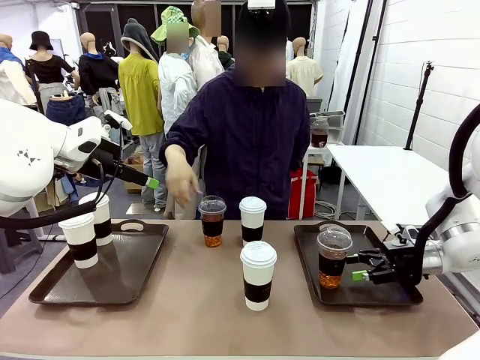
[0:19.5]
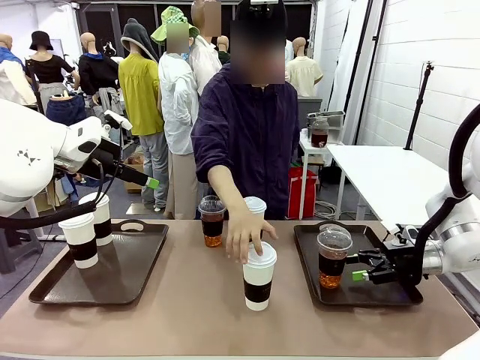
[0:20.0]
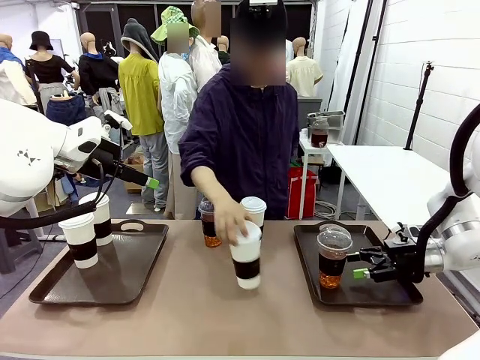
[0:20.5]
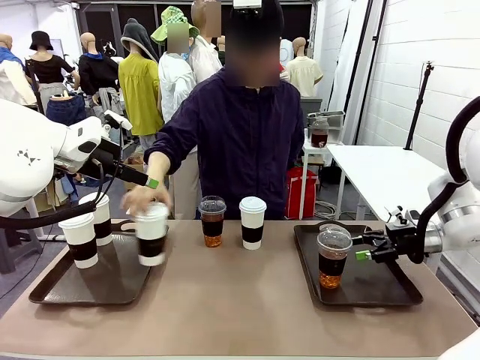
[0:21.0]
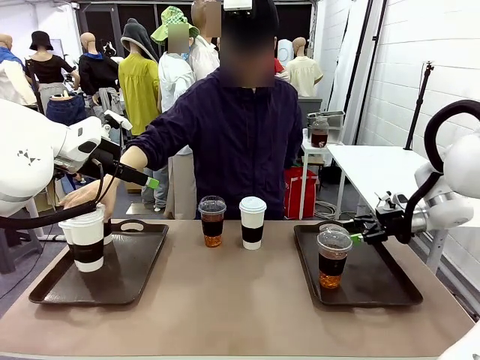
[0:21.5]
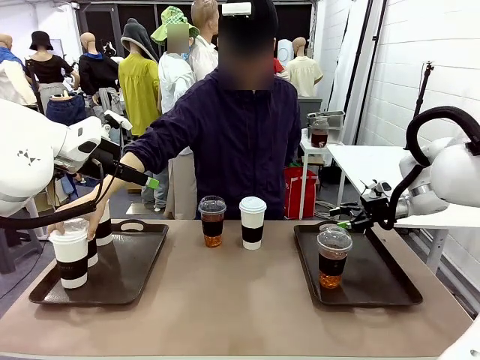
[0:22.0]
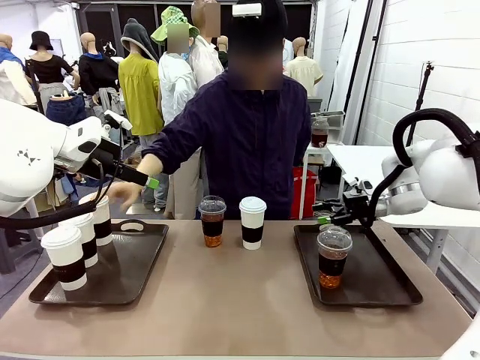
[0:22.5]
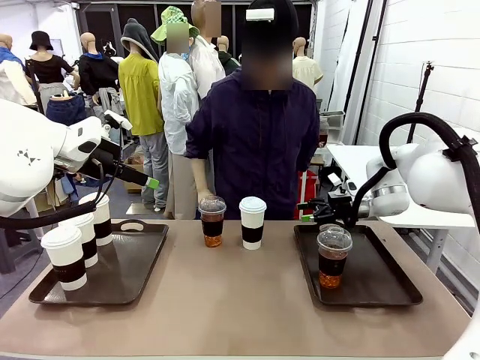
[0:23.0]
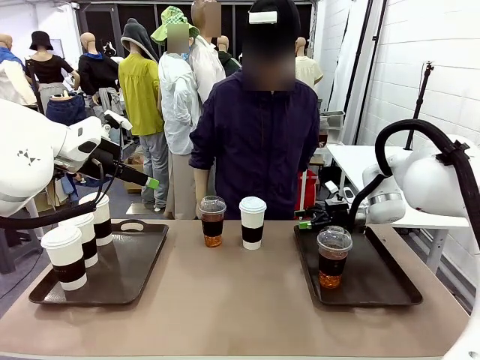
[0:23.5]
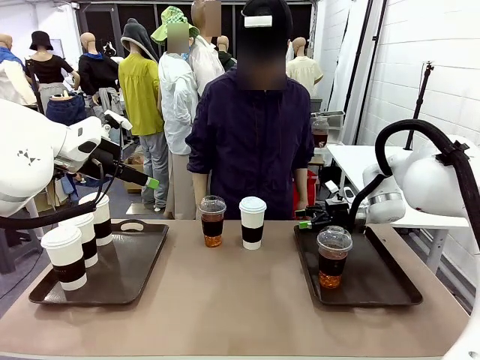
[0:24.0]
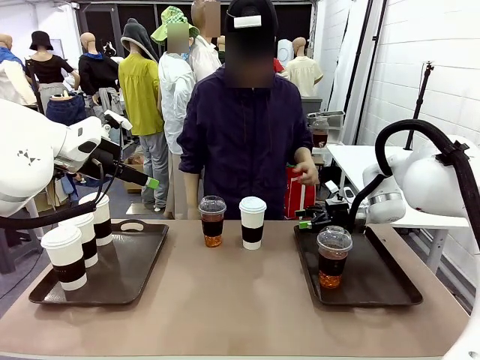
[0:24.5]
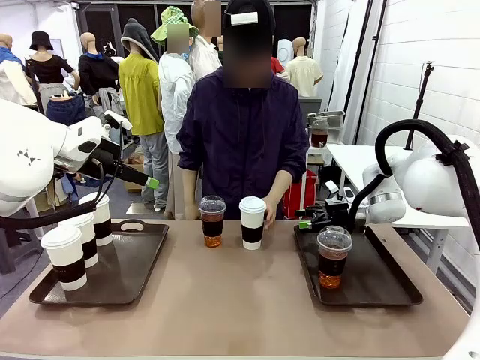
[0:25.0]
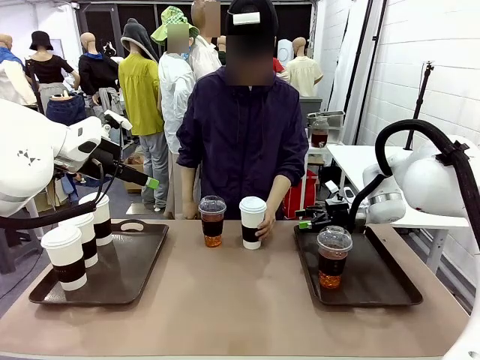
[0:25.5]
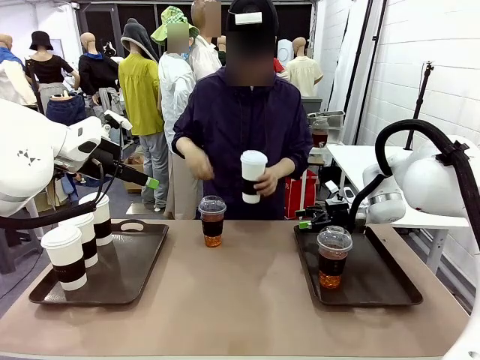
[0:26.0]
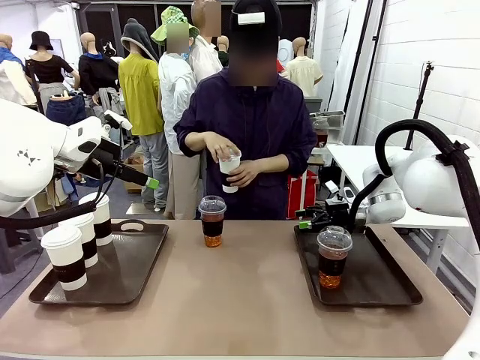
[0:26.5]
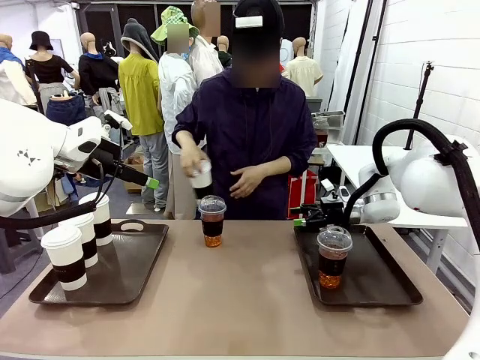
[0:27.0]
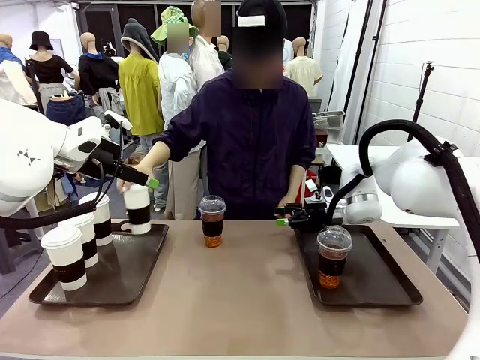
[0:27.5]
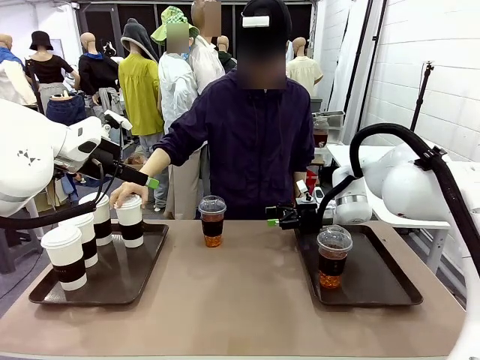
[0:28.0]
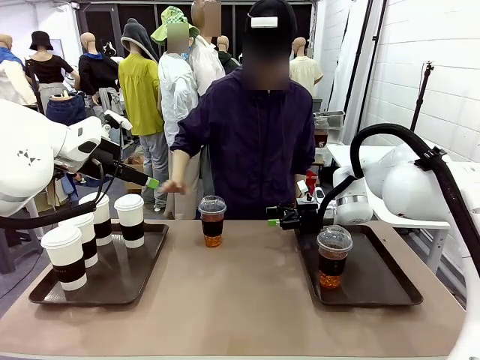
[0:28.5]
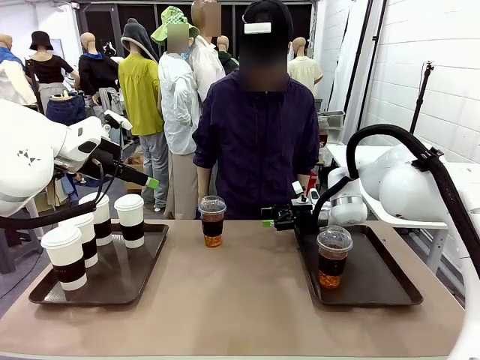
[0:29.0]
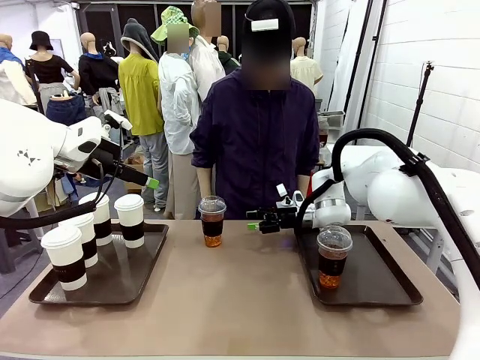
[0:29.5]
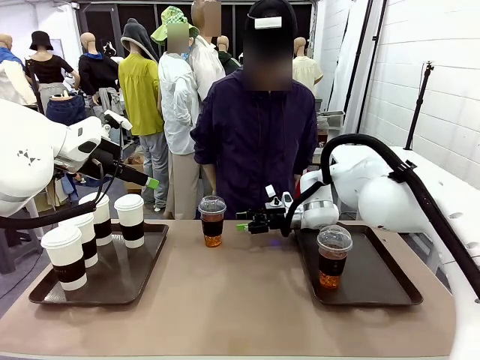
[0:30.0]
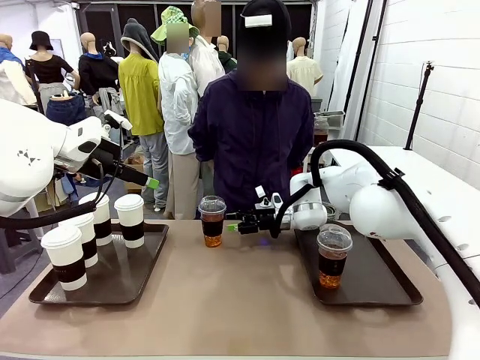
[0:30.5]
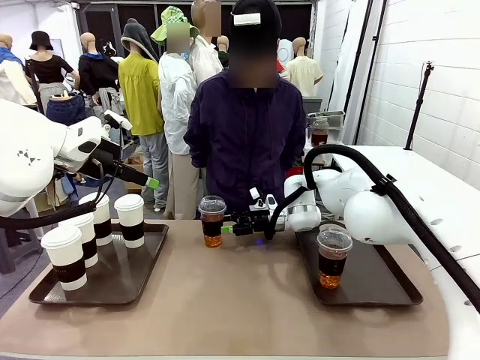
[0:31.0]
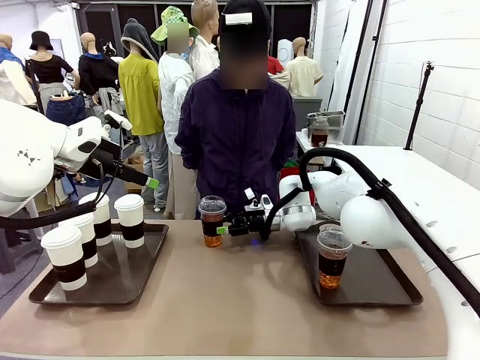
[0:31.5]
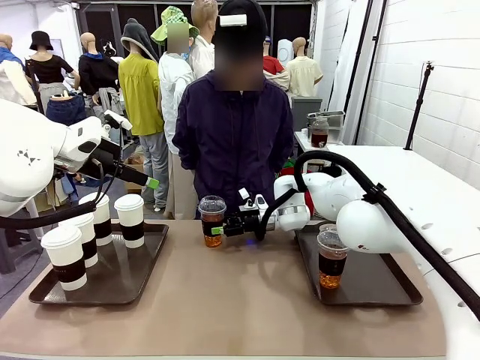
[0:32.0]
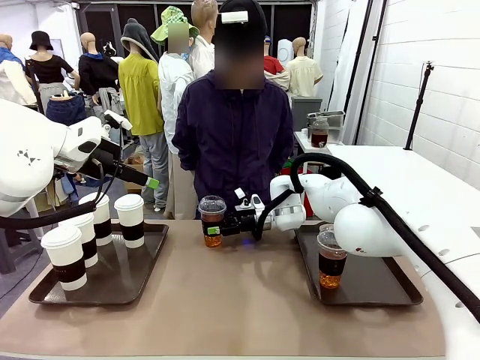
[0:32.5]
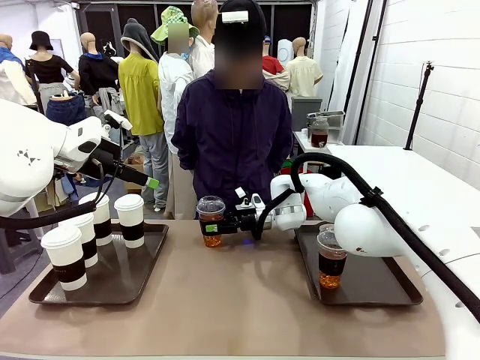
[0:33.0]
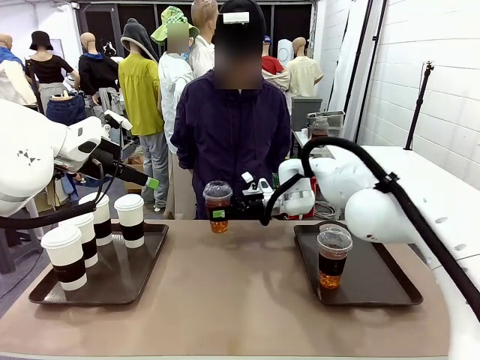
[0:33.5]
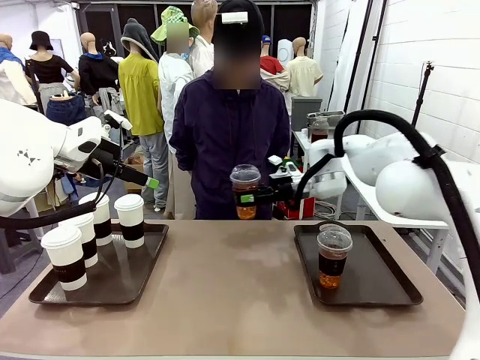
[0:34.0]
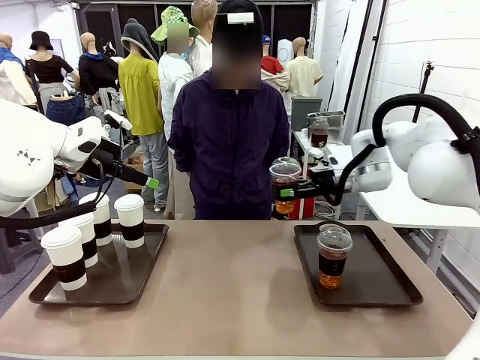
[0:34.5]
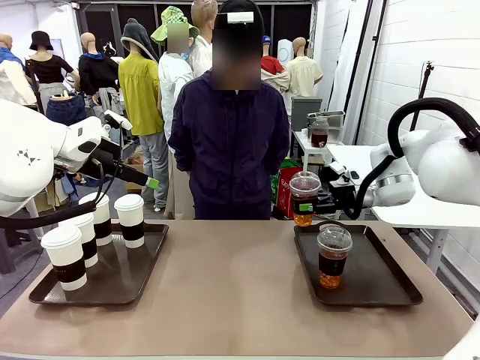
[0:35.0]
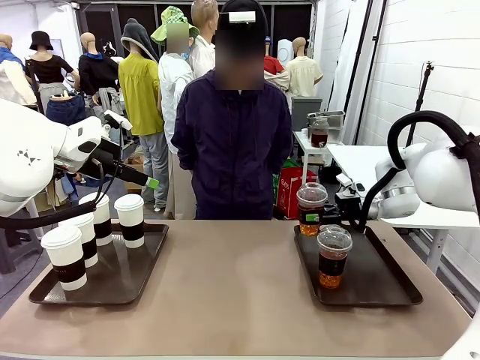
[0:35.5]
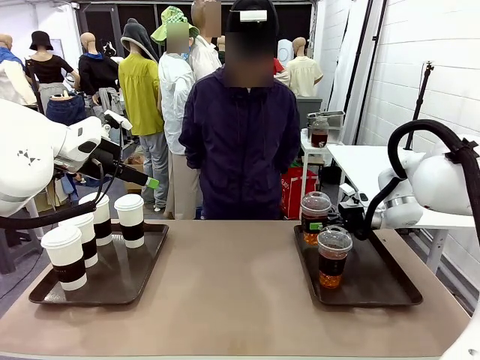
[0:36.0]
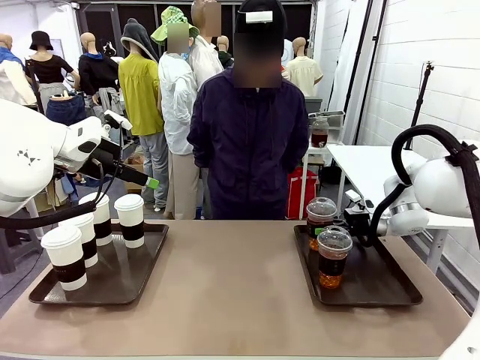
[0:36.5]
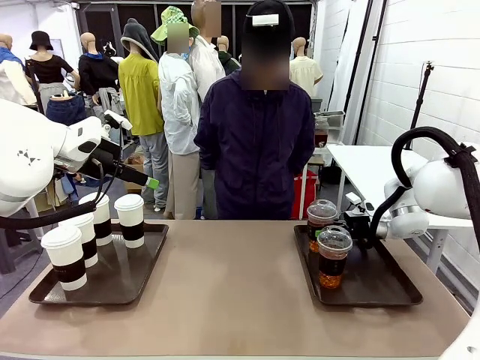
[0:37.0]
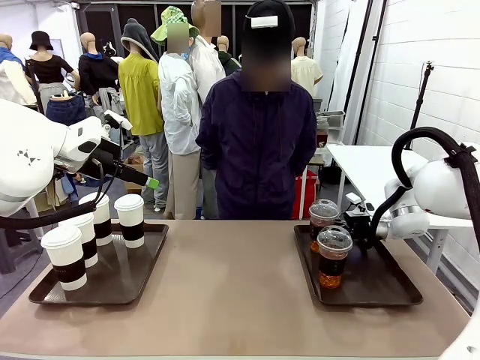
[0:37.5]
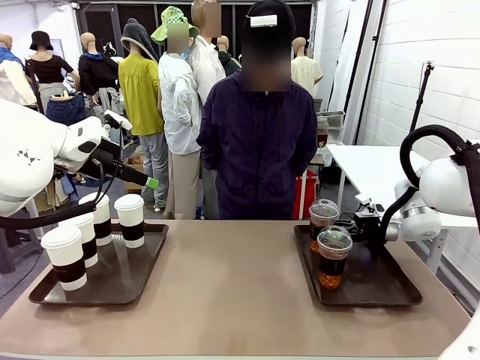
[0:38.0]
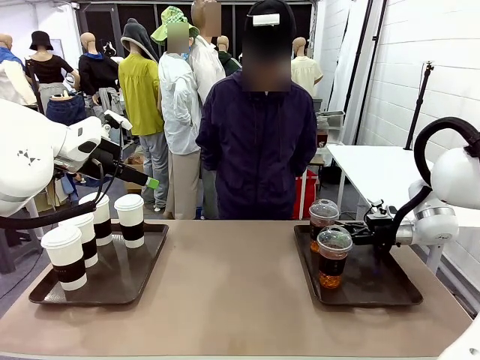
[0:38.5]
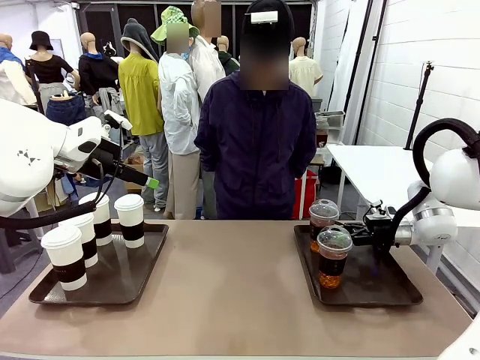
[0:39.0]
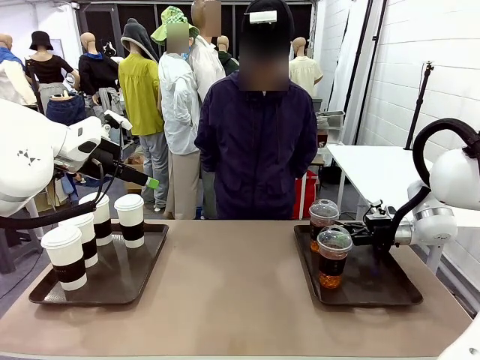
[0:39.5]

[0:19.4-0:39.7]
Task: Distribute the coffee onto the tray.
Robot: Pick up another iced Americano from the middle of the table and place it on the right Handle tray.
Person: Pick up a cup of hot Americano from the middle of the table and place it on the right tray.
